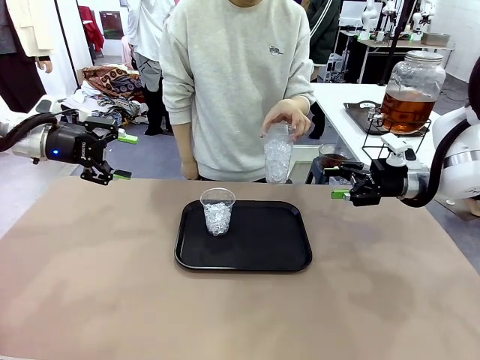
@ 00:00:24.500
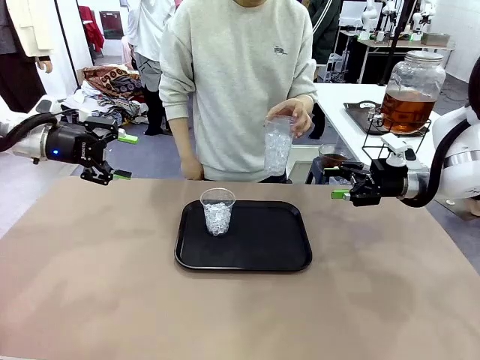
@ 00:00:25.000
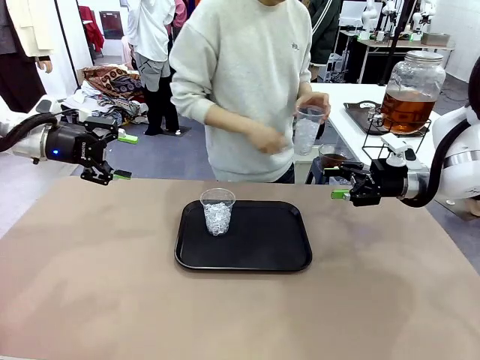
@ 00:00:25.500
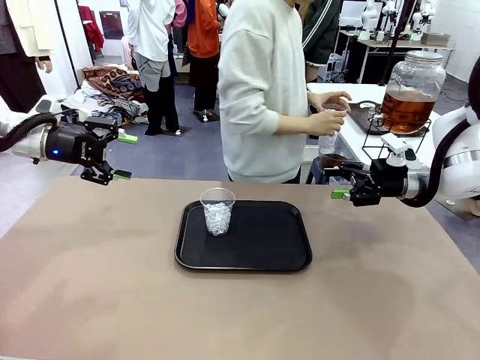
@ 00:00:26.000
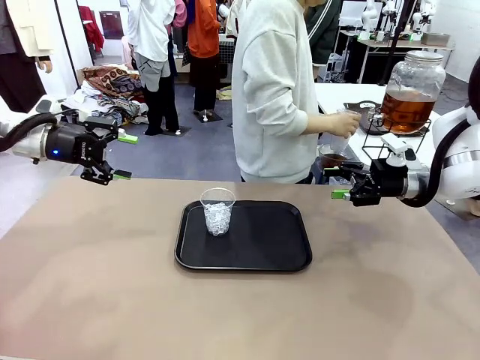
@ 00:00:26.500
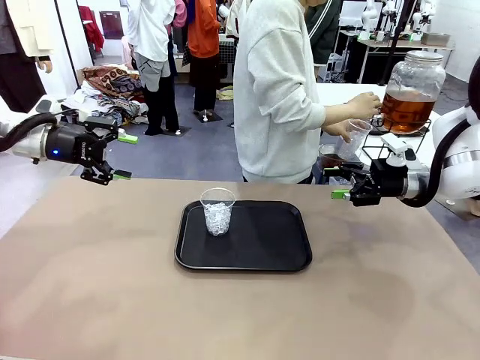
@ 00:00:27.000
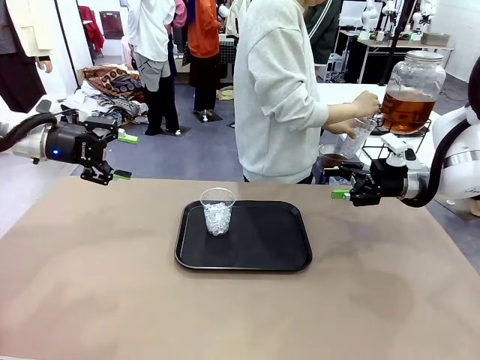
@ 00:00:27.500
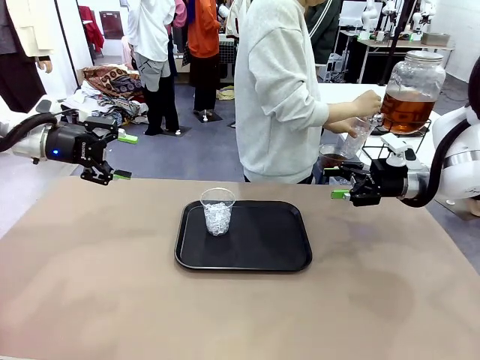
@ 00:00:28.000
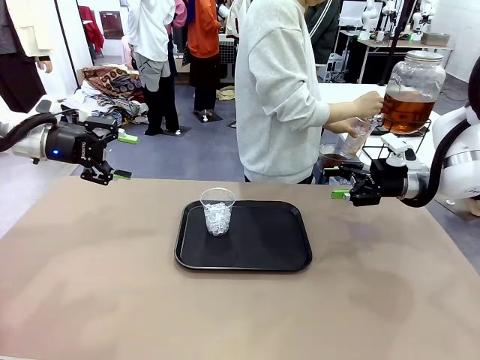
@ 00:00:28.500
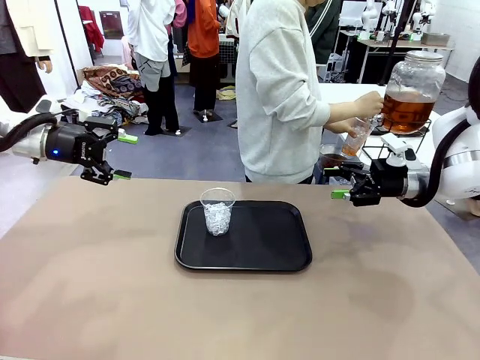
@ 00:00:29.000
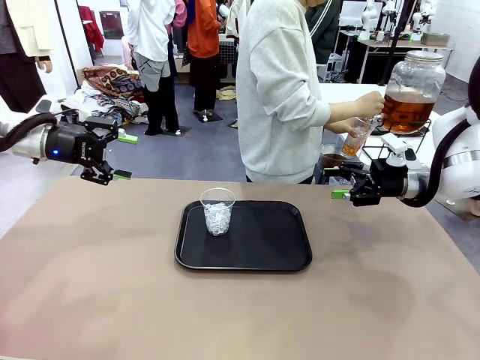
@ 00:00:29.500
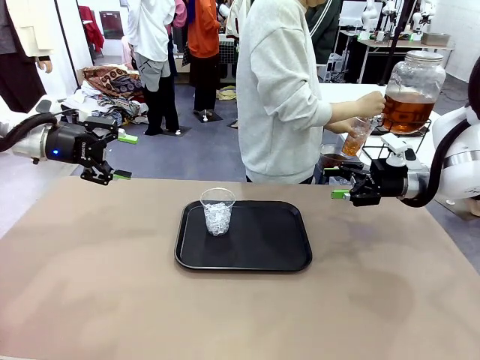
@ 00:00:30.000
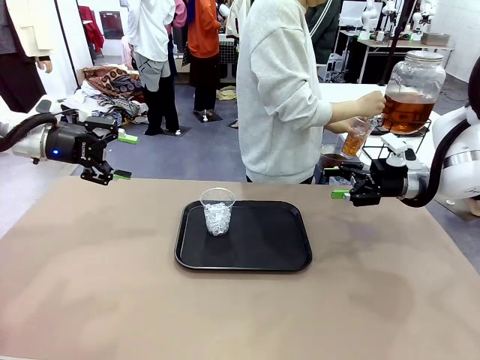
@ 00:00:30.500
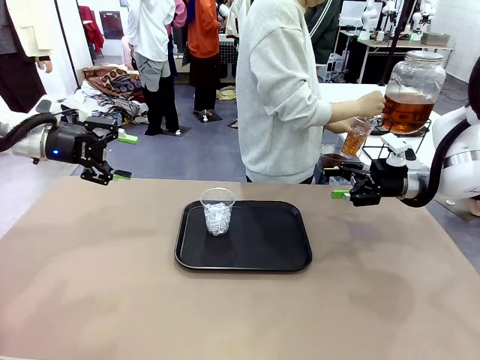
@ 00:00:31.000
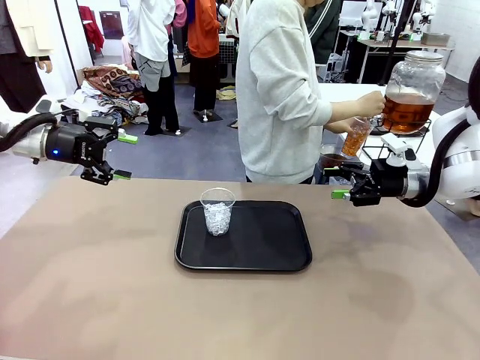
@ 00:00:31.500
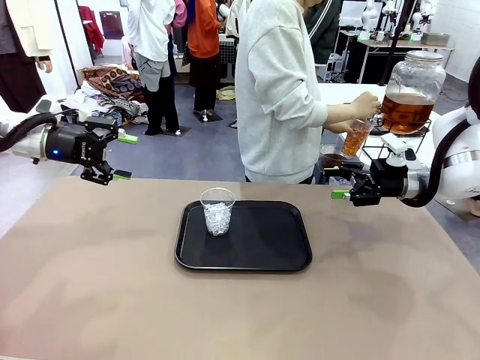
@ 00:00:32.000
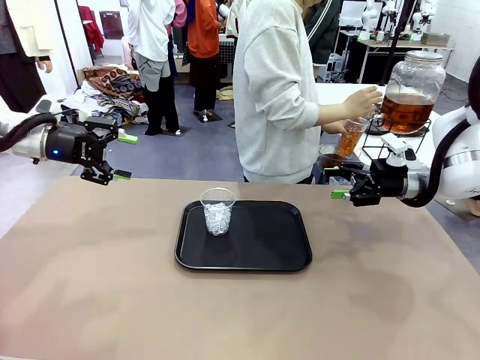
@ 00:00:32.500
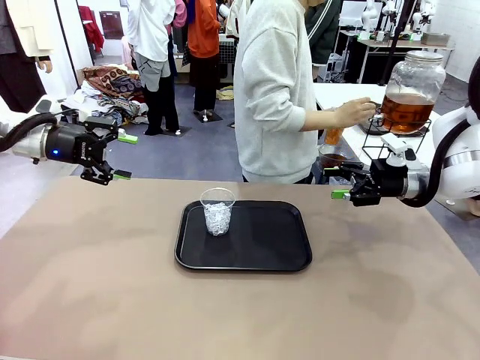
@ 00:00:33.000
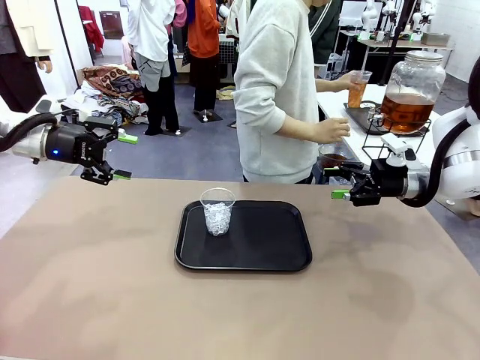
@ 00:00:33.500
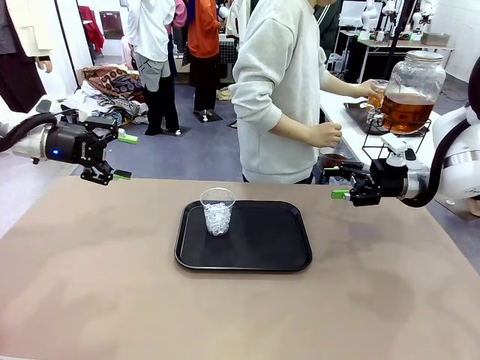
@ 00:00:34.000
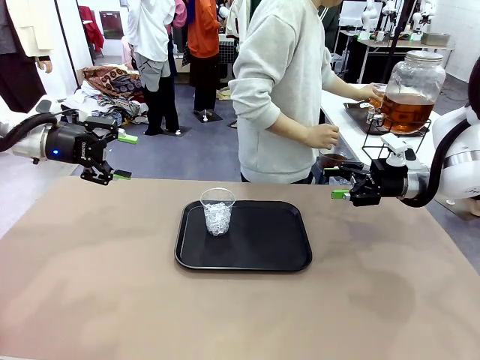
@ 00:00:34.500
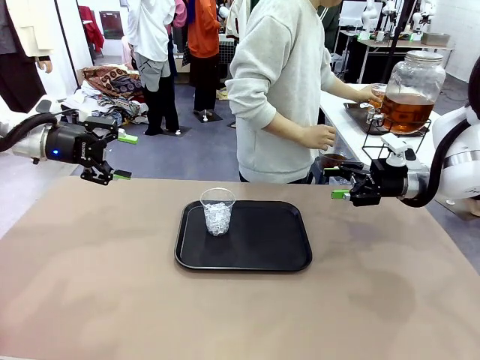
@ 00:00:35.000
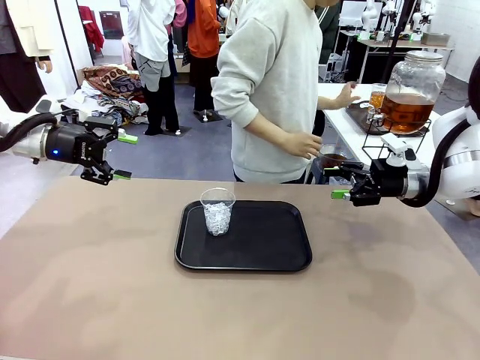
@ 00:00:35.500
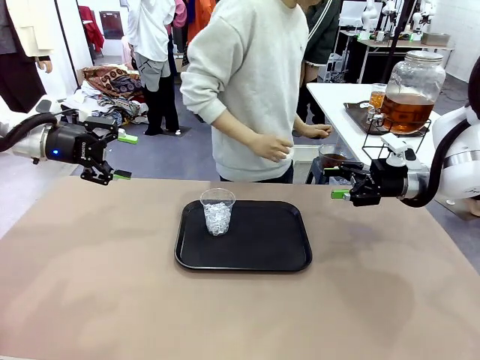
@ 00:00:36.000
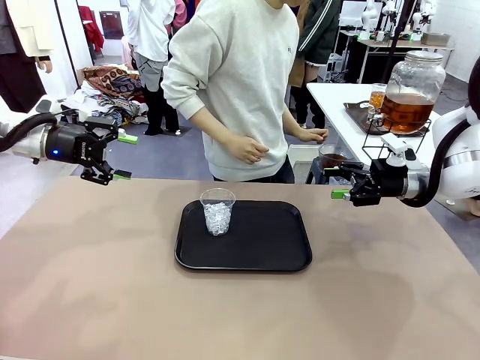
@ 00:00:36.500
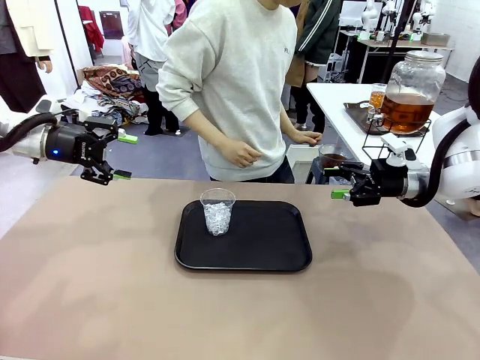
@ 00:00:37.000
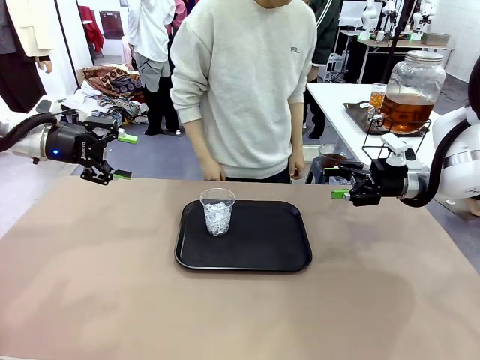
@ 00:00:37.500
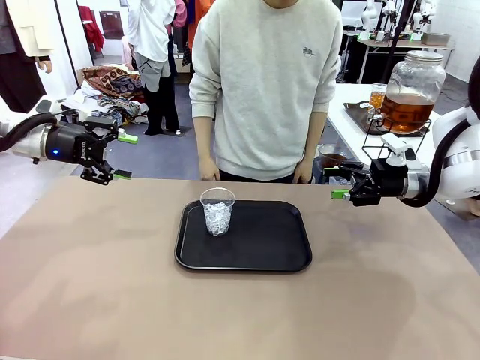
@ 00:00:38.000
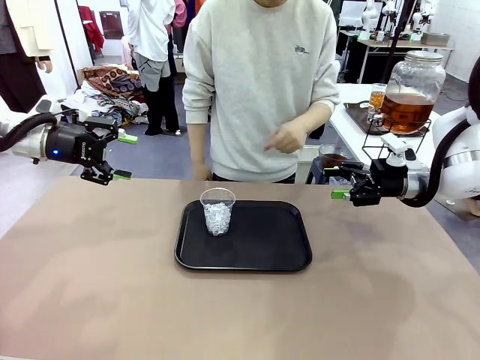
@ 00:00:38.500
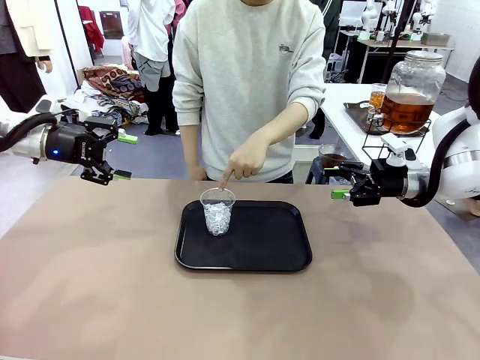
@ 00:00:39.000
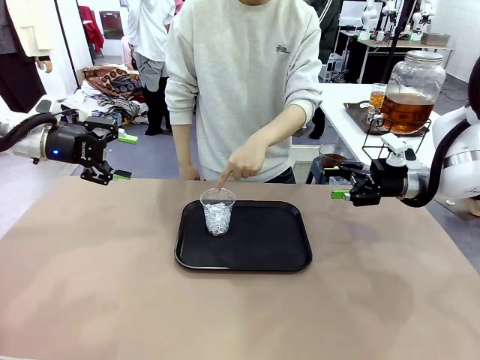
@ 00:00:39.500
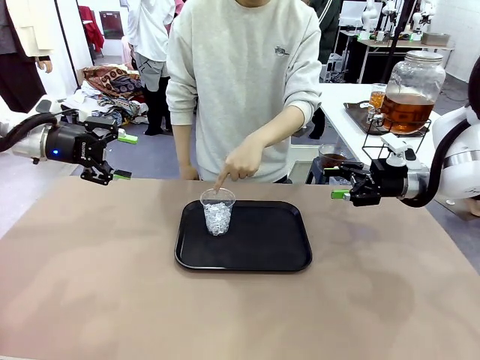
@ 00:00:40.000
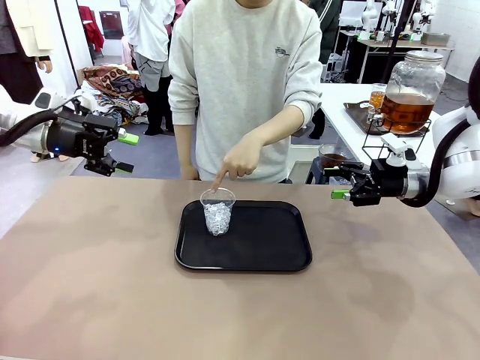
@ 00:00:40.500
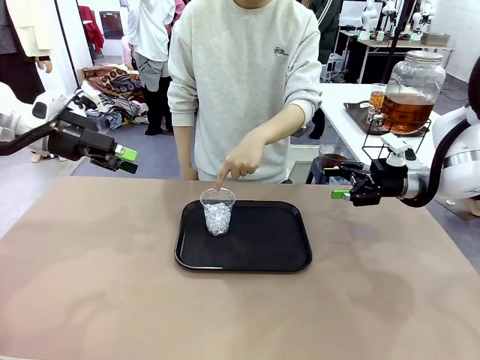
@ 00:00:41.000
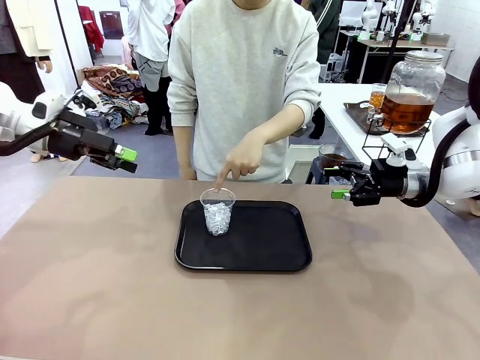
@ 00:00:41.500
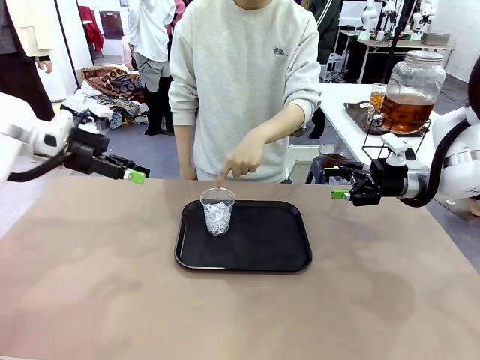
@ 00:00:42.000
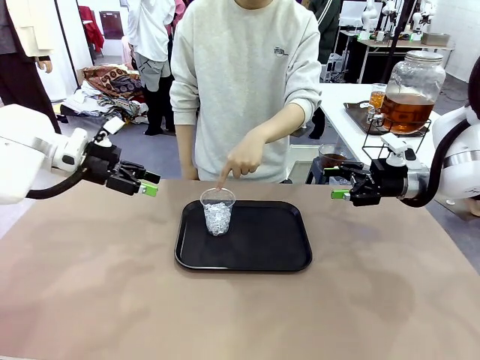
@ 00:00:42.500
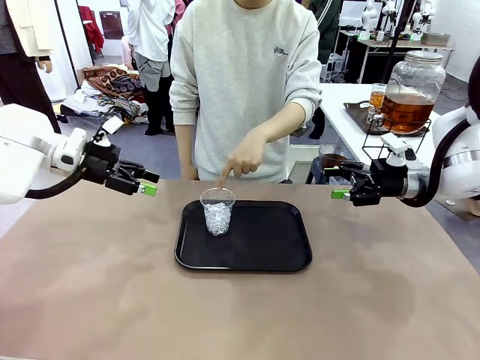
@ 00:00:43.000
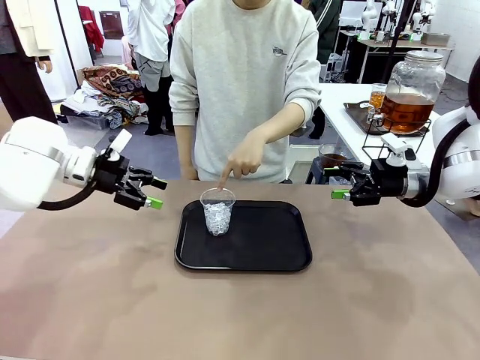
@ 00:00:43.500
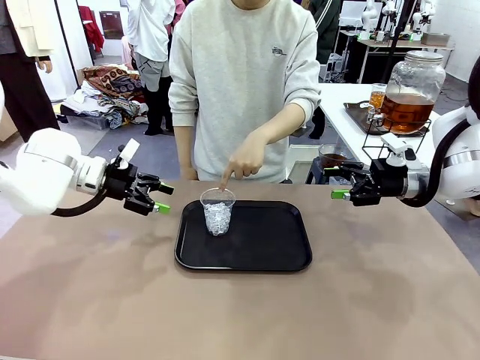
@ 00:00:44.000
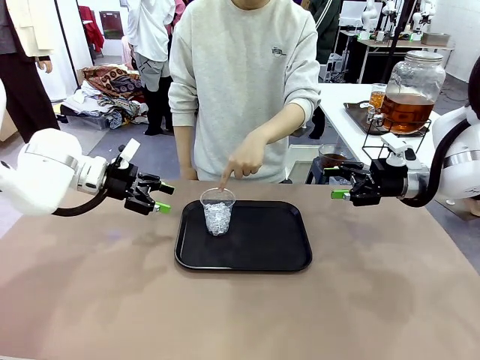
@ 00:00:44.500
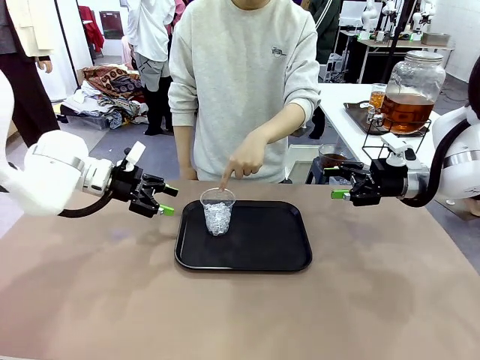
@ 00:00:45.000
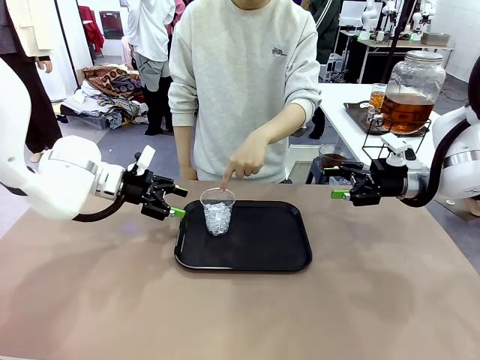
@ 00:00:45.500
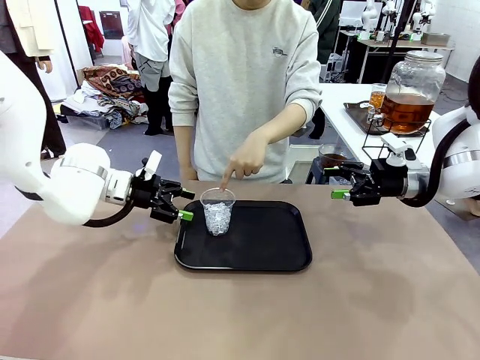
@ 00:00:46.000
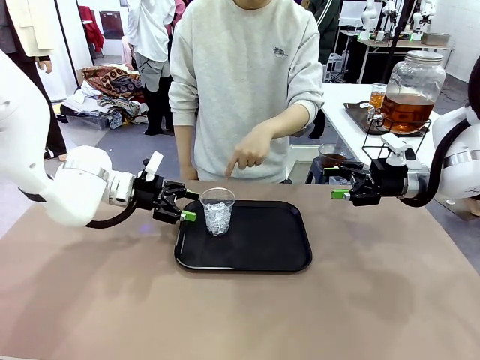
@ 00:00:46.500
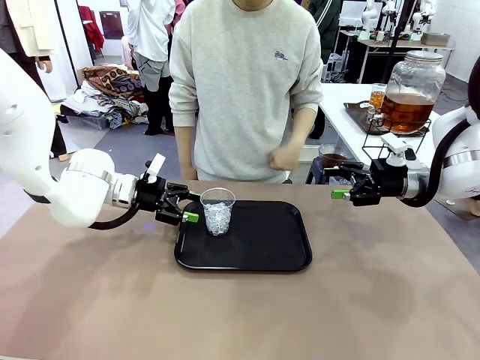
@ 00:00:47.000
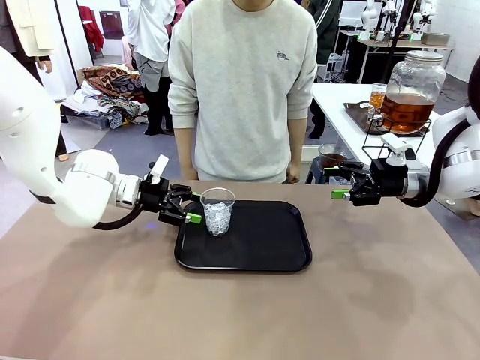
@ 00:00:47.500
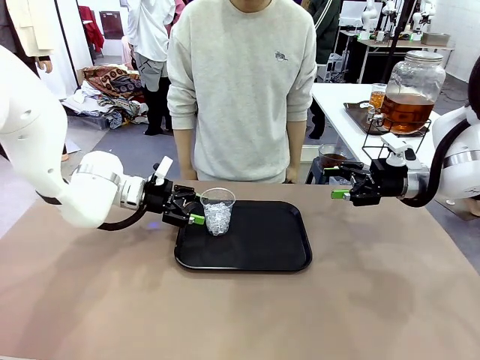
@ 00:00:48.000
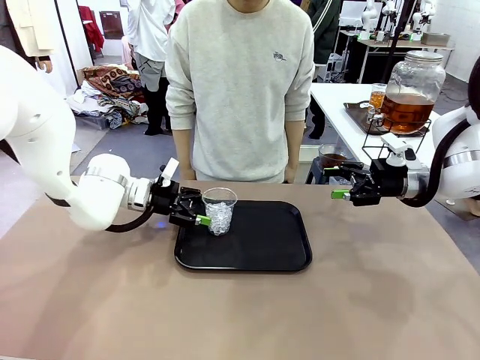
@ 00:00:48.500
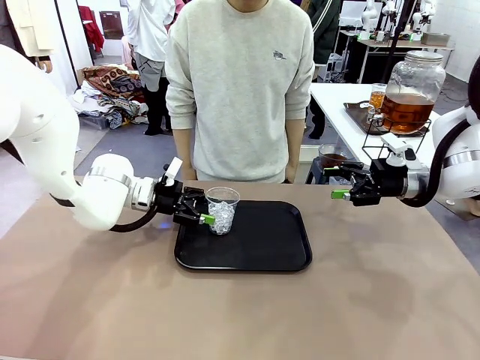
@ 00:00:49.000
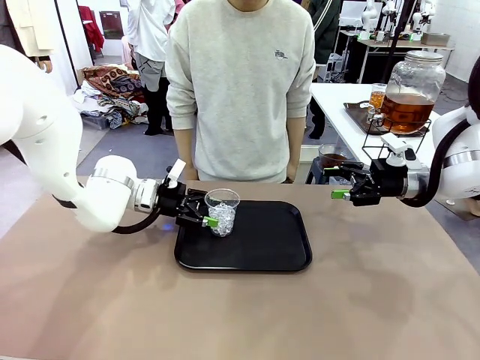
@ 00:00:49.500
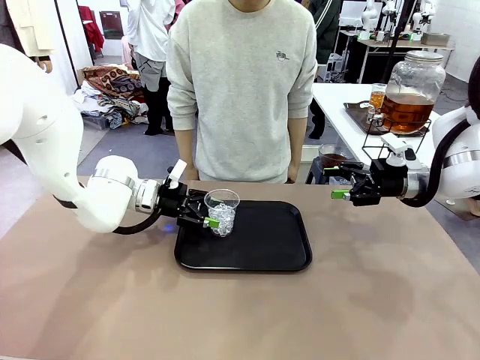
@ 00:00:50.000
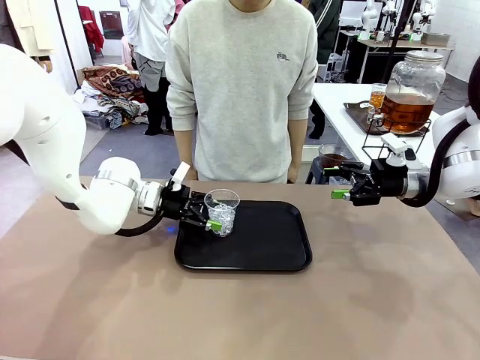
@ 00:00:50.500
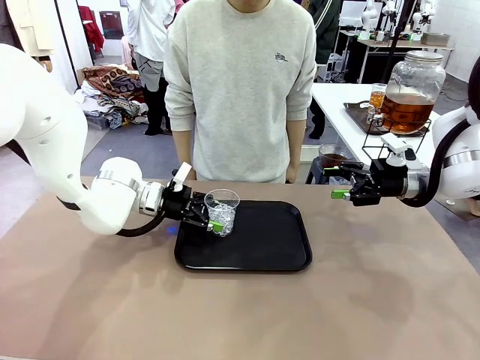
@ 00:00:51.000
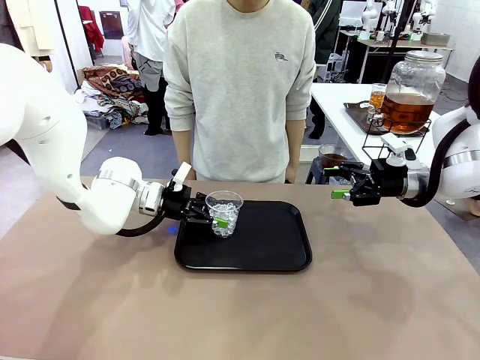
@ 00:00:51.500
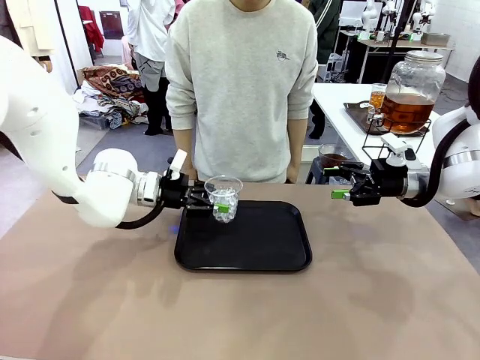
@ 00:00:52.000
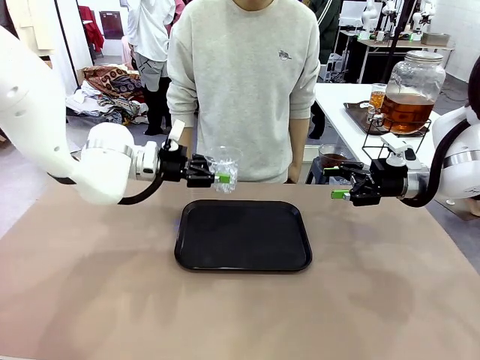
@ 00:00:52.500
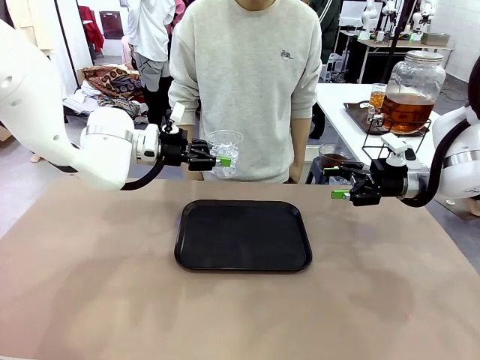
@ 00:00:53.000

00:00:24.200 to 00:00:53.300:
Task: Pour the drink into the iced cup.
Robot: Pick up the iced cup indicated by the human and present it to them.
Person: Move the picked-up cup under the dispenser faucet, pour the drink, and place it on the tray on the human table. Point to the remaining ice cup on the robot table. Pick up the cup offered by the robot.
